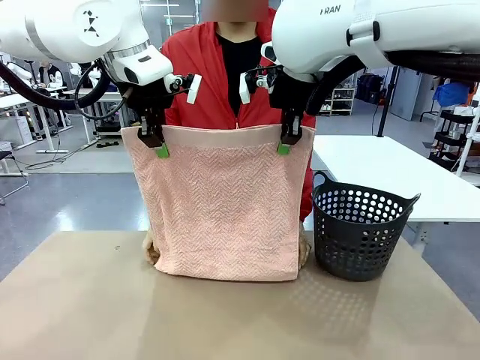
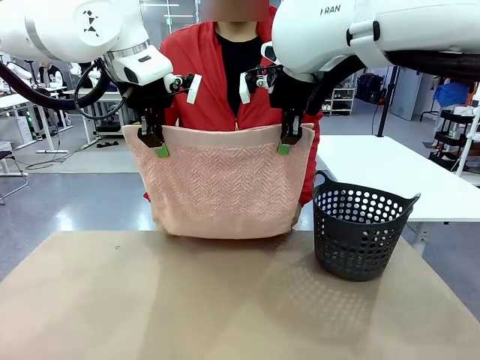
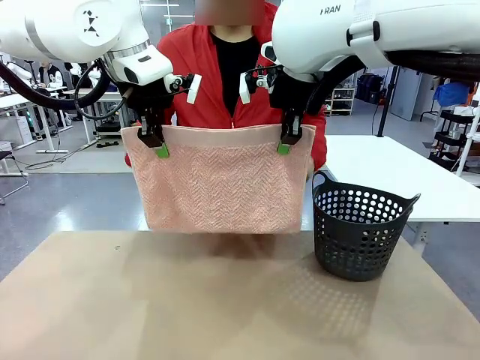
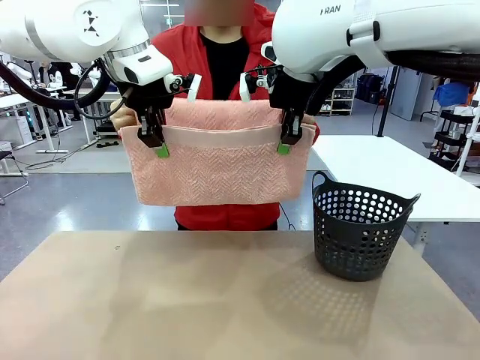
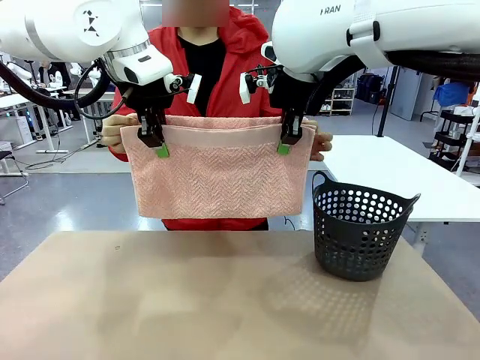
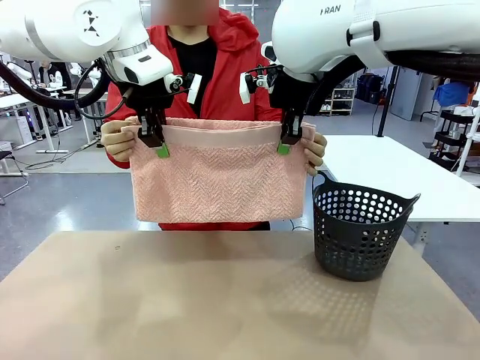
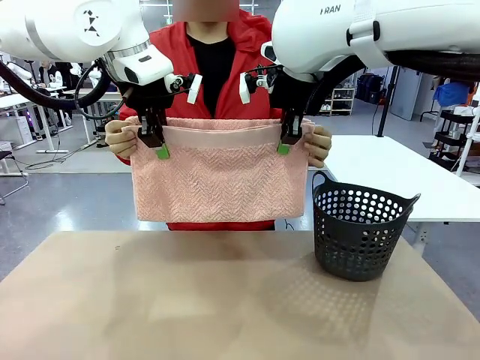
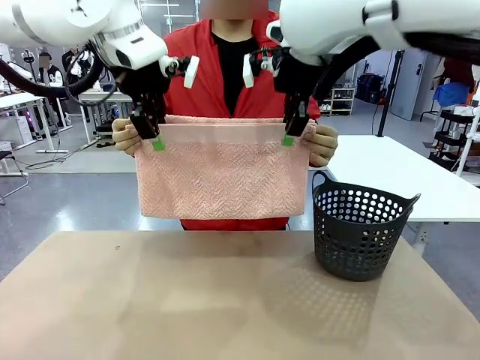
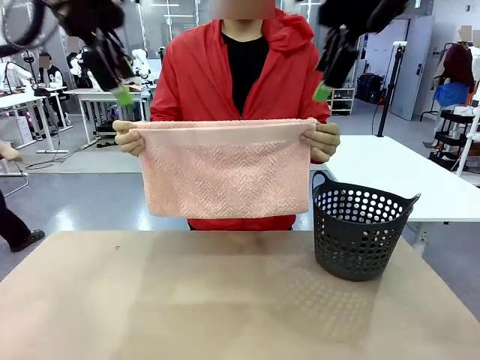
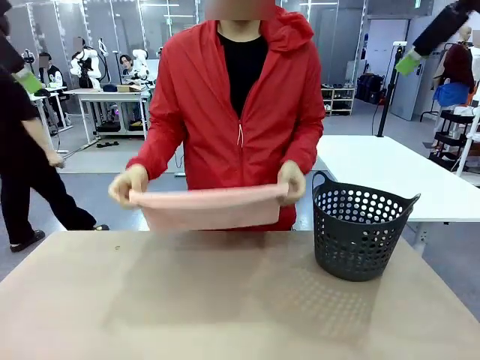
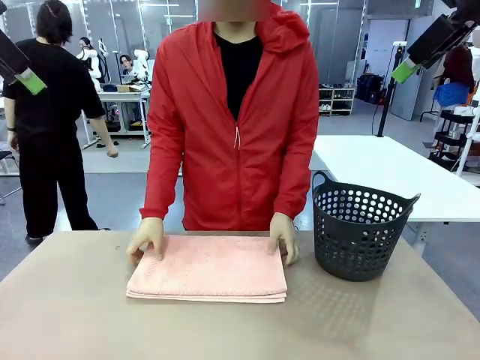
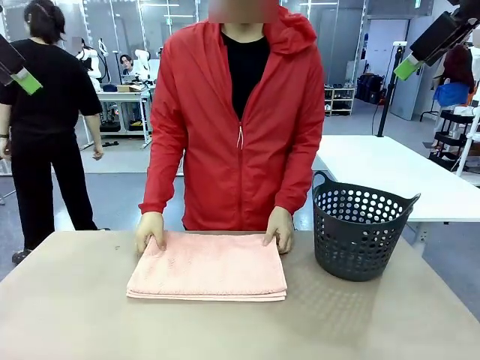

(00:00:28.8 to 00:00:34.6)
Task: Fold the towel.
Robot: Release the end of the 100 cm Hotel Towel you were holding.
Person: Place the towel at the center of the robot table and fold it in half.

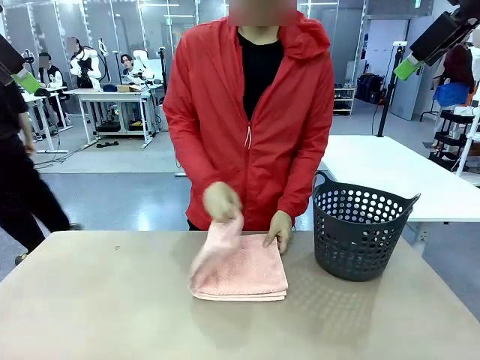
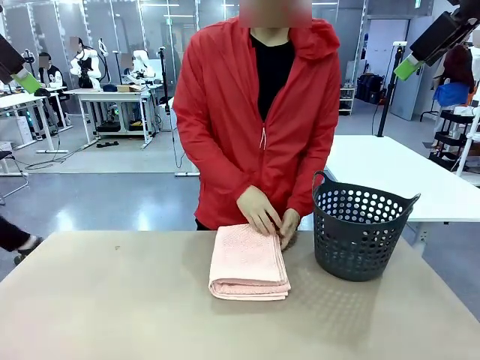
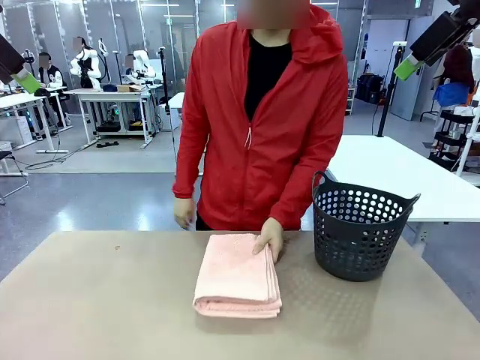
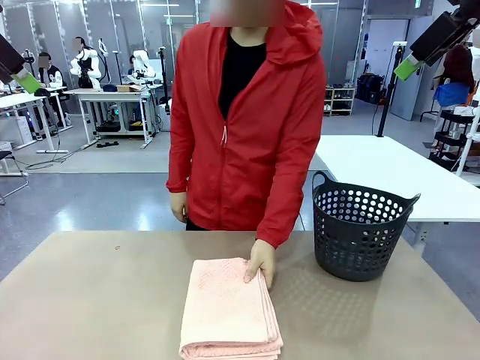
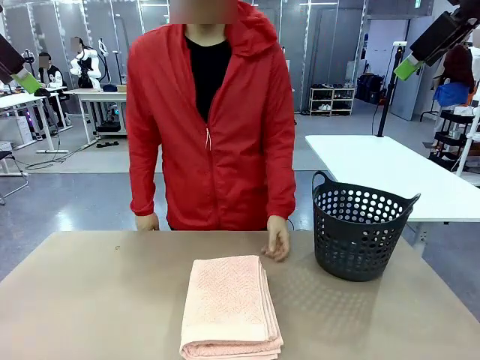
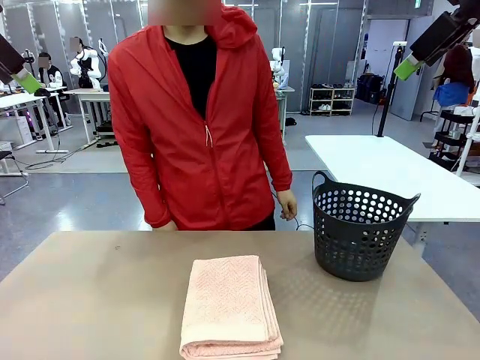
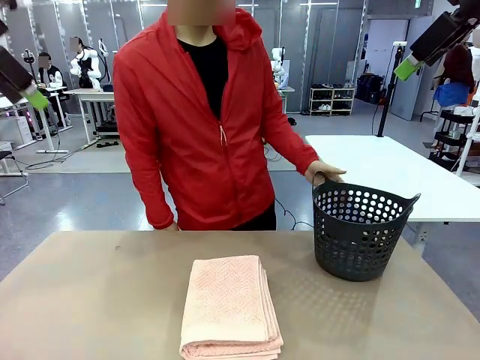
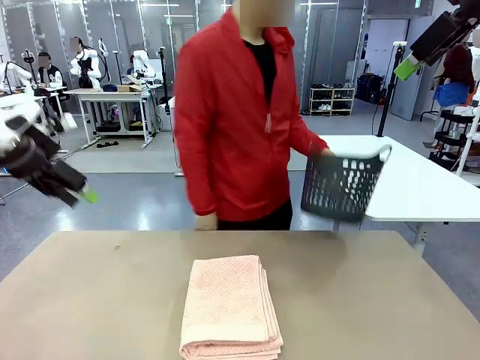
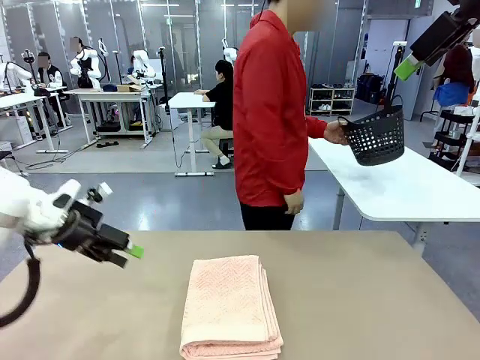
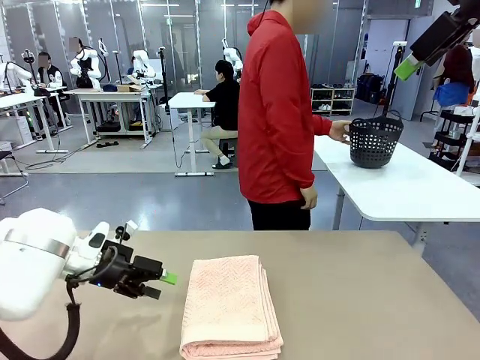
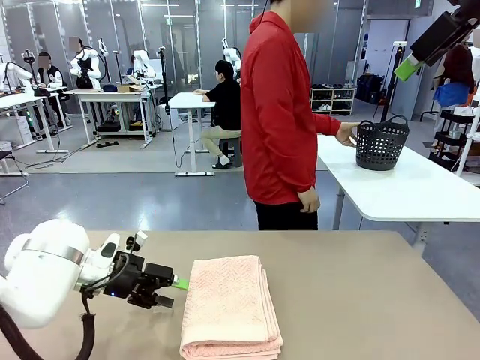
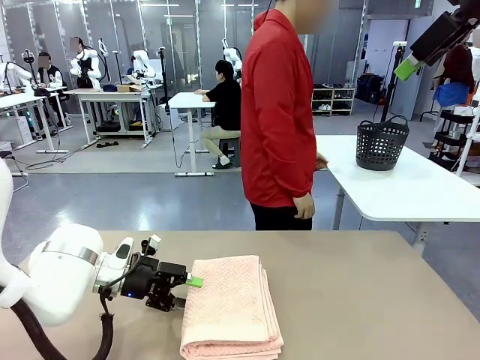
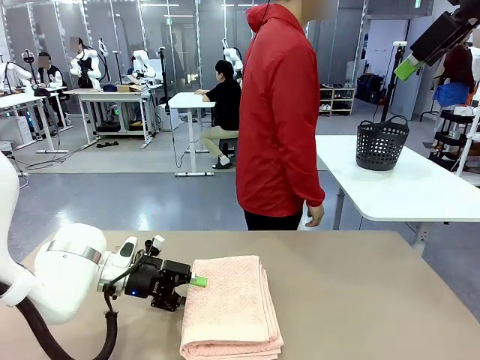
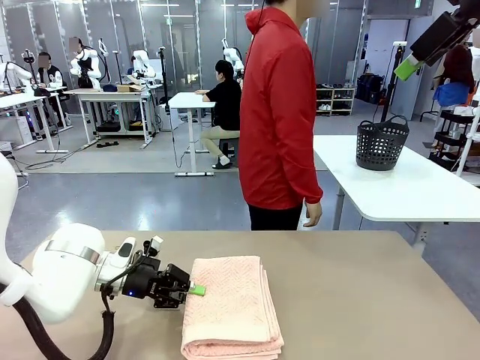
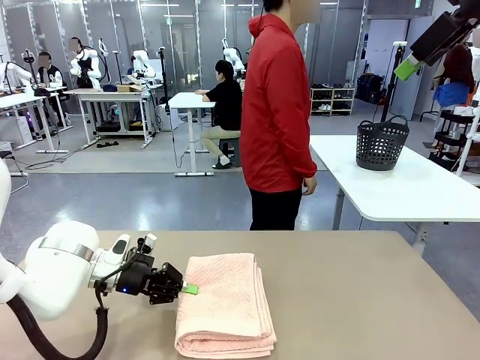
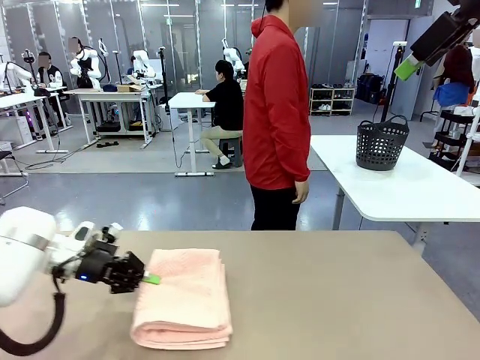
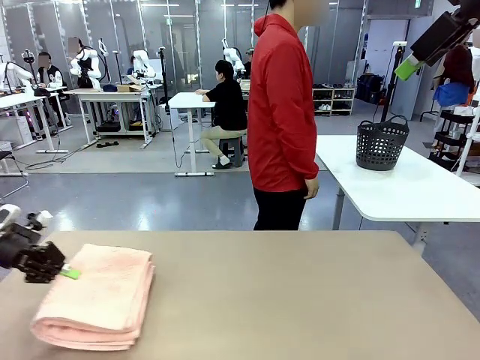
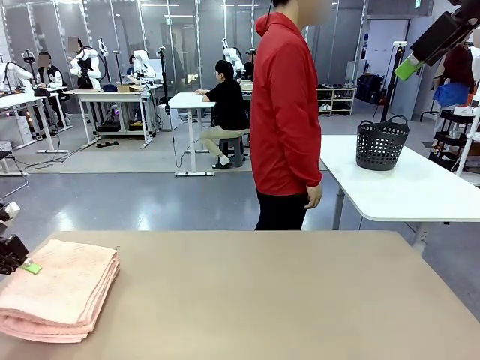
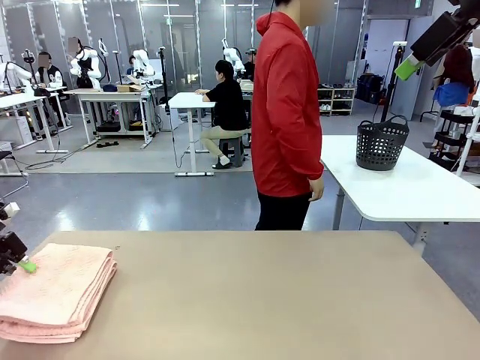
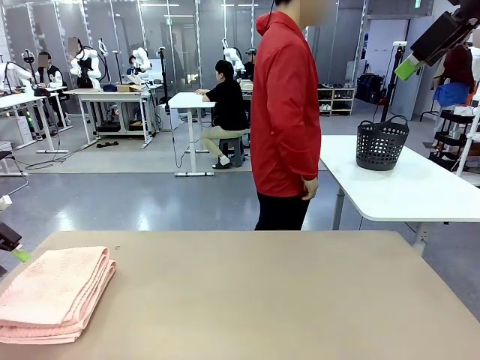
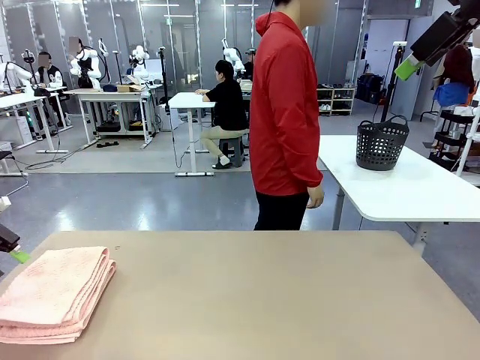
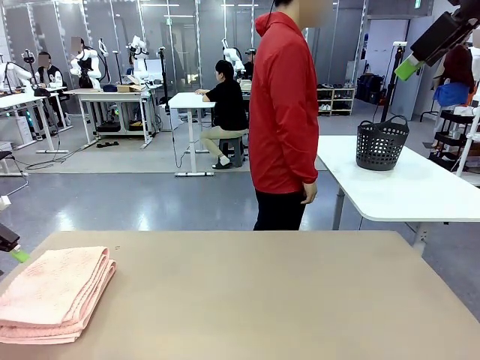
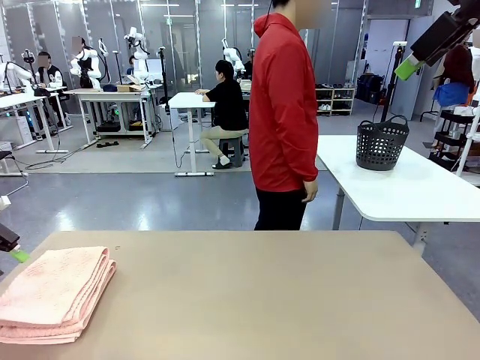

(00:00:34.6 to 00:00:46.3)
Robot: Pick up the 100 cm Hotel Towel and place it on the left side of the table.
Person: Pick up the laundry basket and place it at the center of the human table.

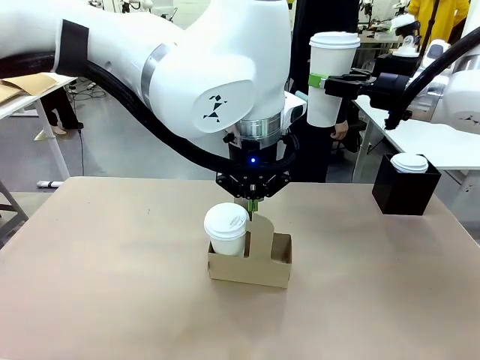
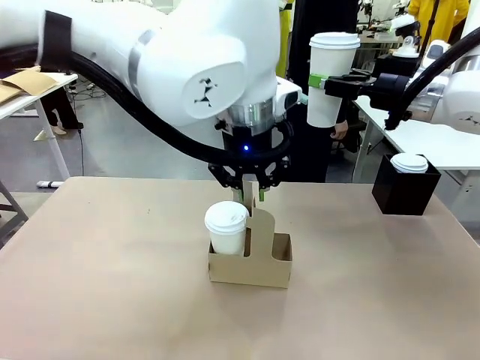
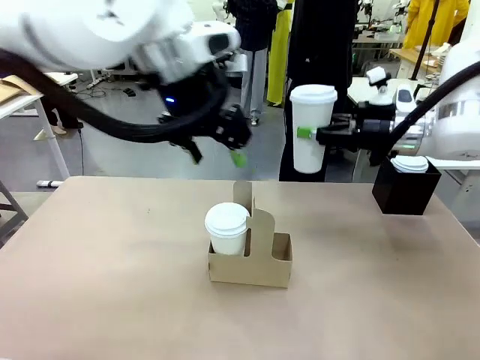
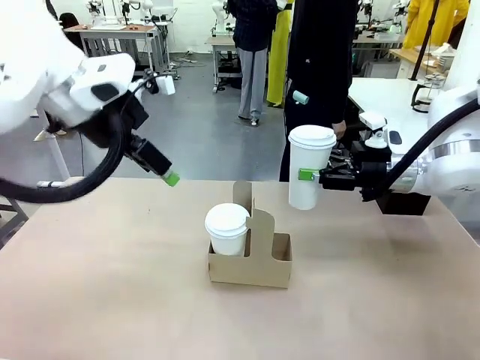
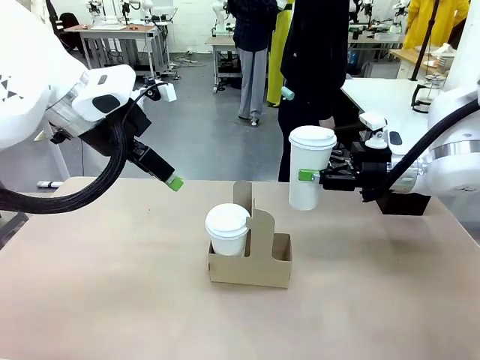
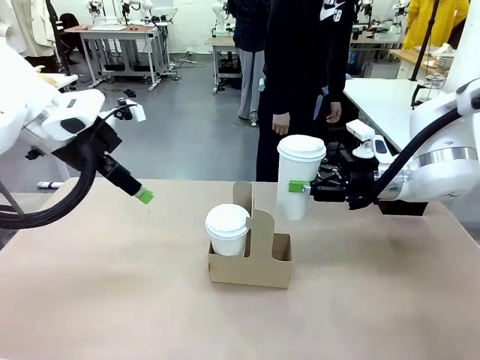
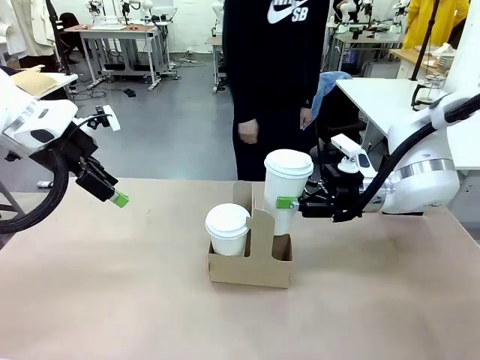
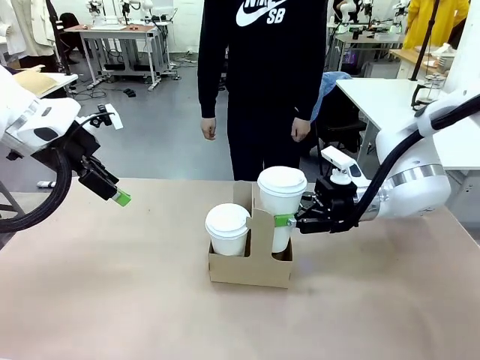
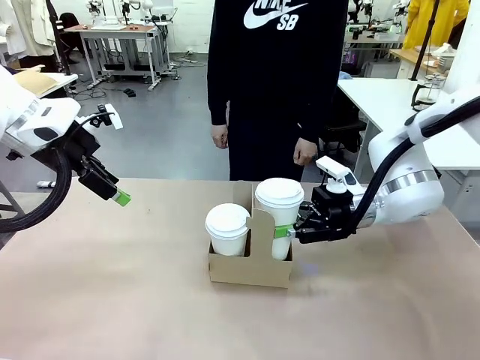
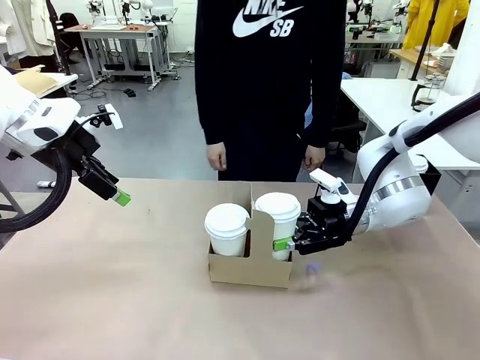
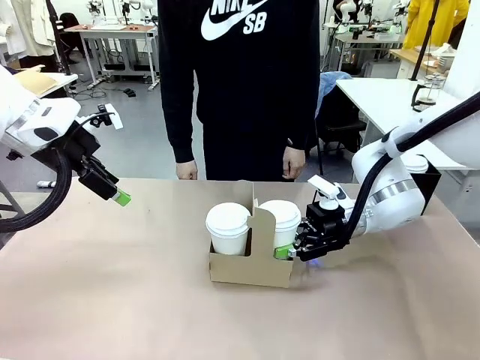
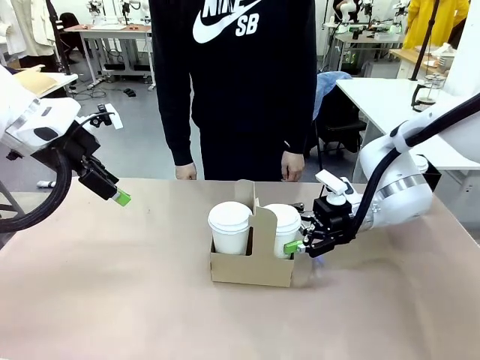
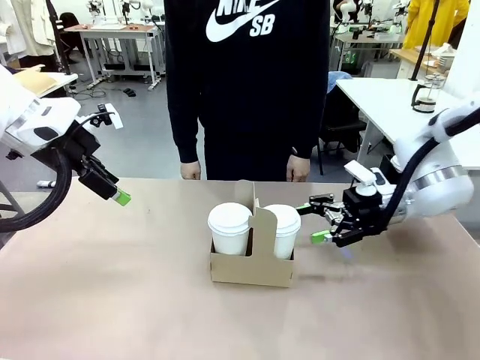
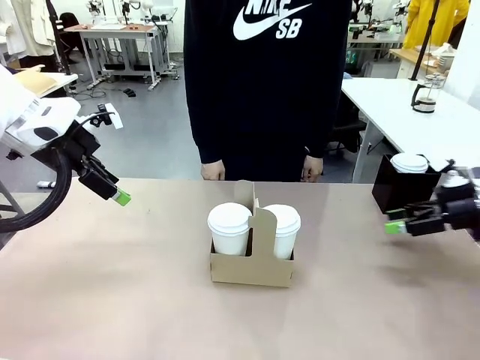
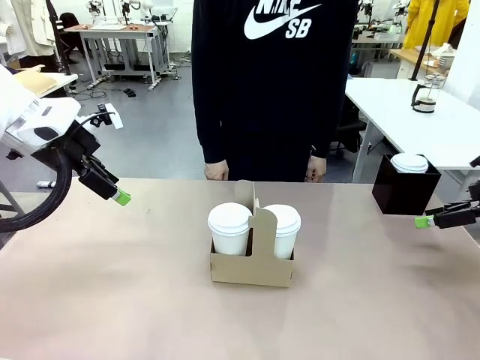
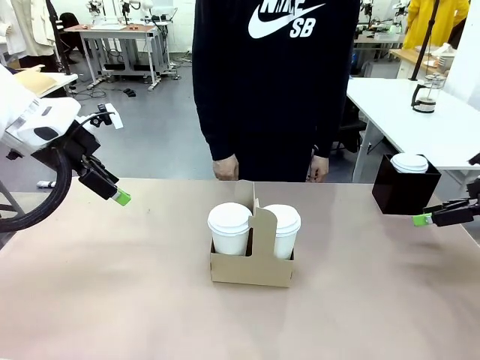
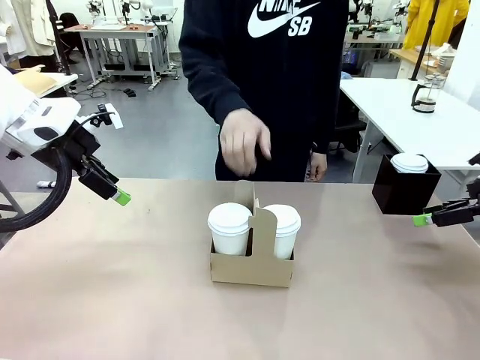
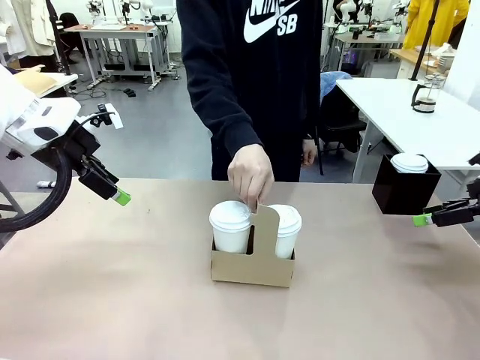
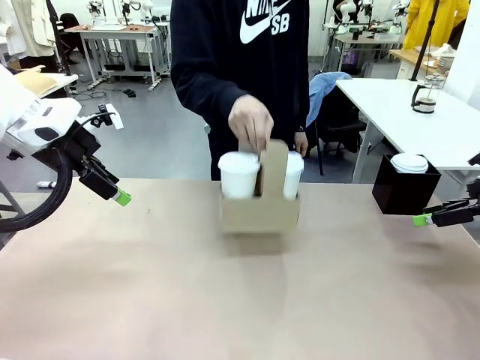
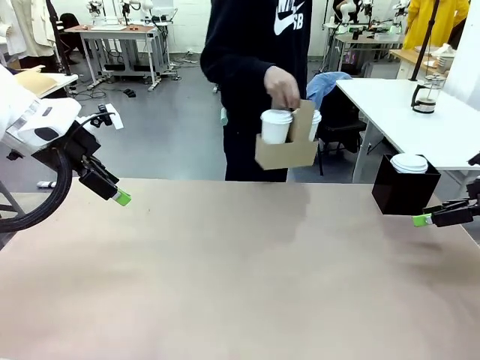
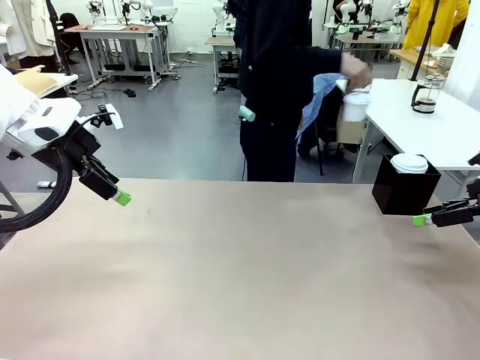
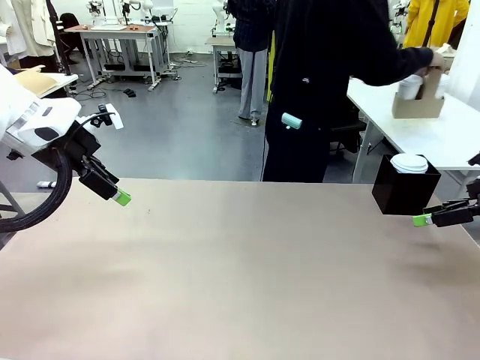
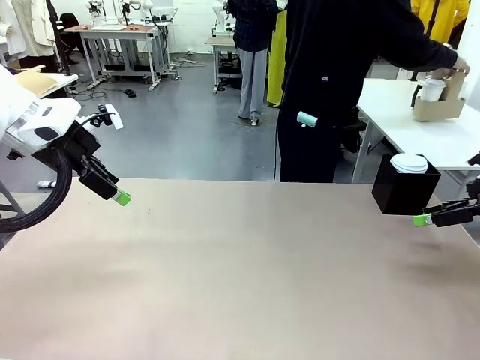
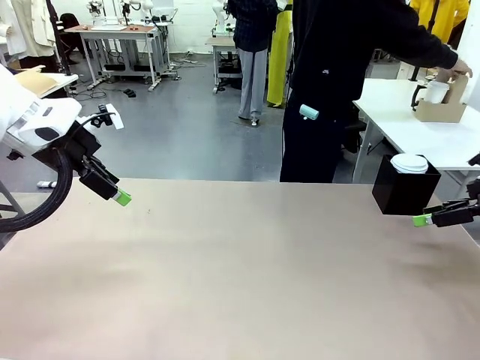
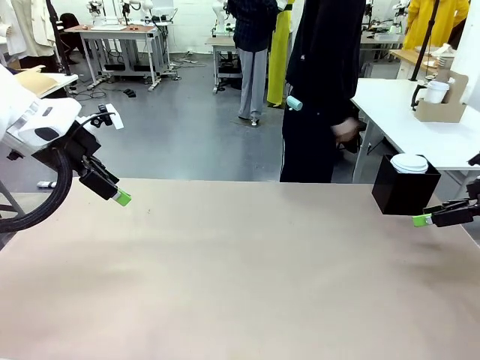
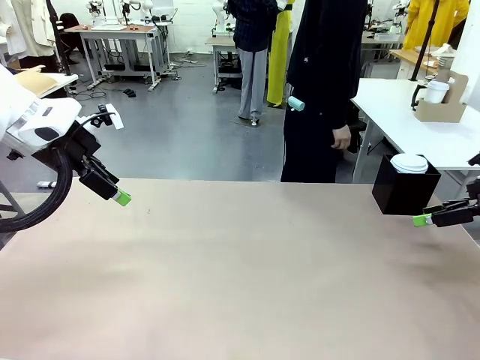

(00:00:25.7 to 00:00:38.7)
Task: Pour a drink into a cup and package it in a carrier.
Robot: Insert the held 600 ml Paper Cup into the Cup Carrier.
Person: Place the Cup Carrier to the middle of Human table.
